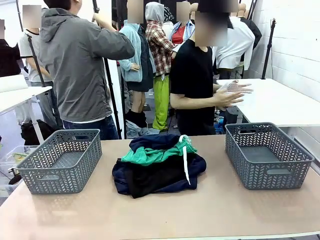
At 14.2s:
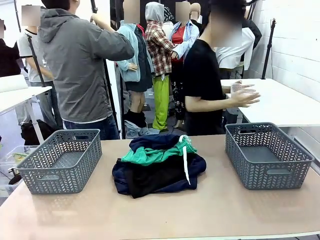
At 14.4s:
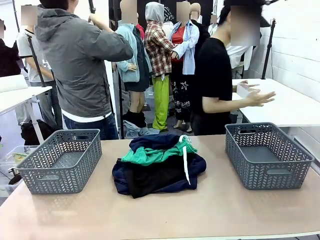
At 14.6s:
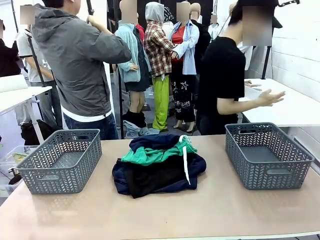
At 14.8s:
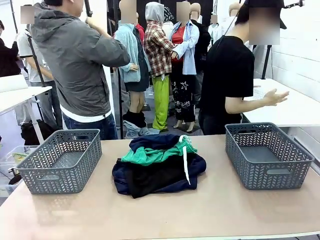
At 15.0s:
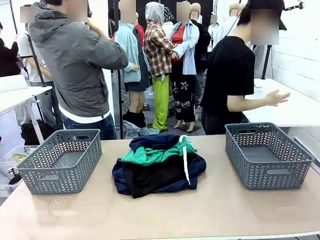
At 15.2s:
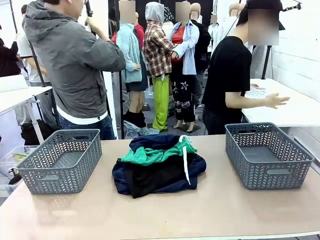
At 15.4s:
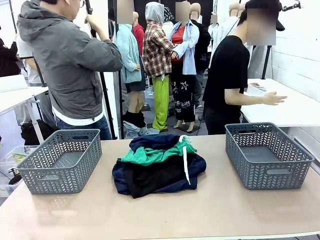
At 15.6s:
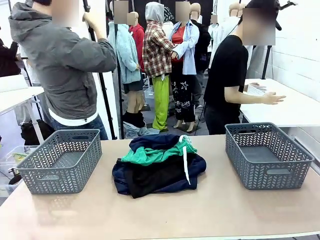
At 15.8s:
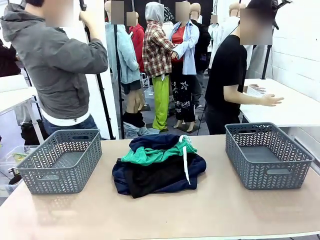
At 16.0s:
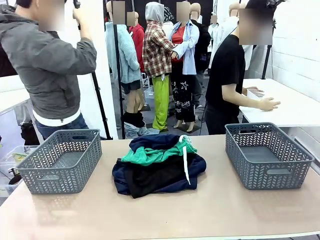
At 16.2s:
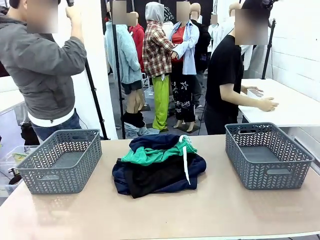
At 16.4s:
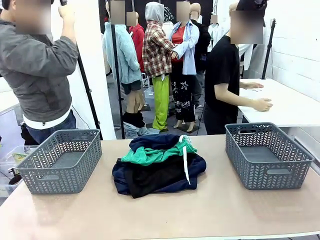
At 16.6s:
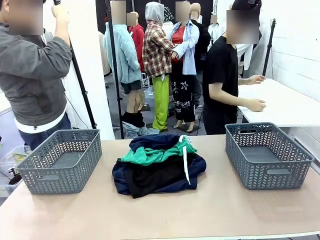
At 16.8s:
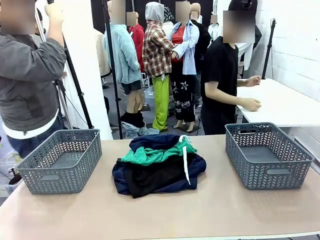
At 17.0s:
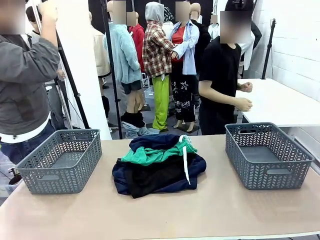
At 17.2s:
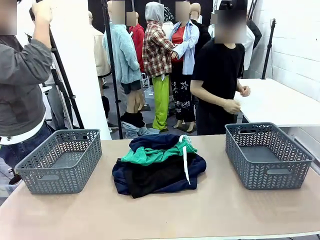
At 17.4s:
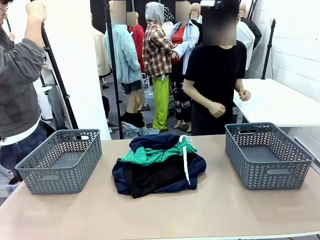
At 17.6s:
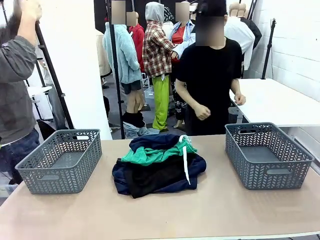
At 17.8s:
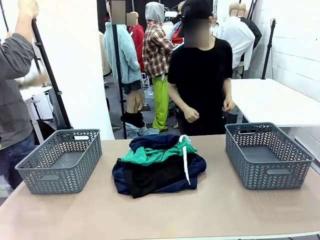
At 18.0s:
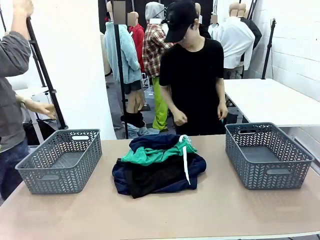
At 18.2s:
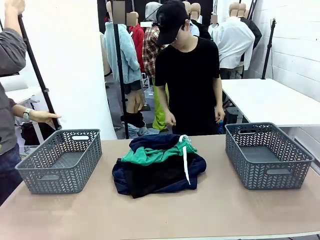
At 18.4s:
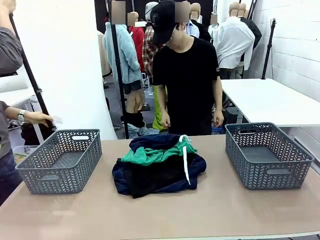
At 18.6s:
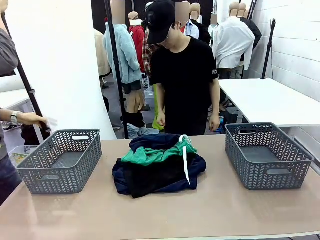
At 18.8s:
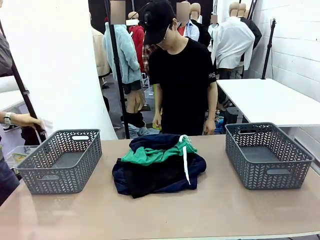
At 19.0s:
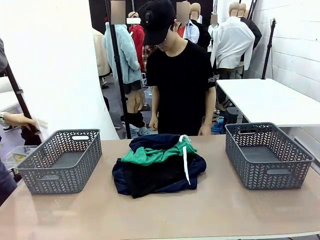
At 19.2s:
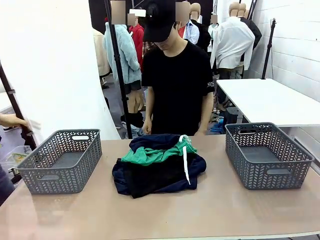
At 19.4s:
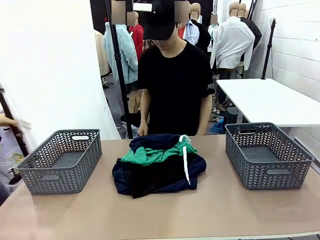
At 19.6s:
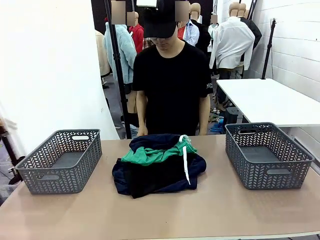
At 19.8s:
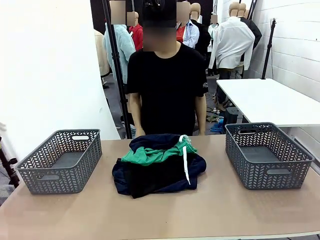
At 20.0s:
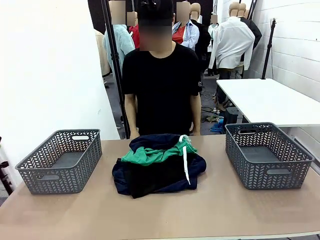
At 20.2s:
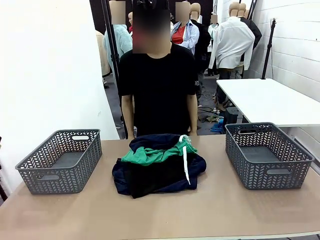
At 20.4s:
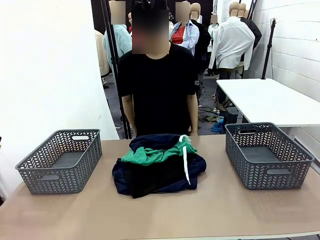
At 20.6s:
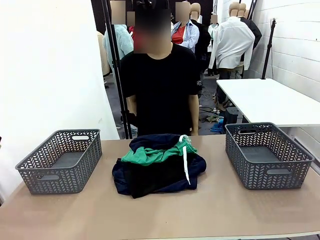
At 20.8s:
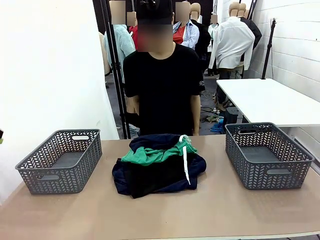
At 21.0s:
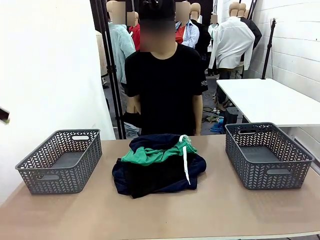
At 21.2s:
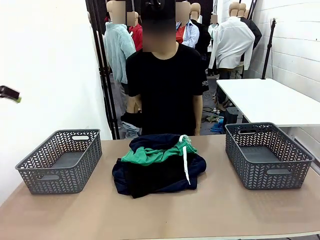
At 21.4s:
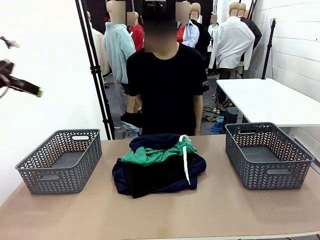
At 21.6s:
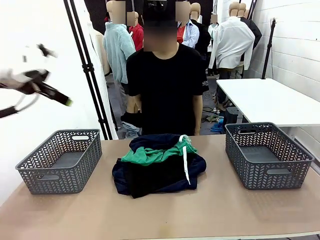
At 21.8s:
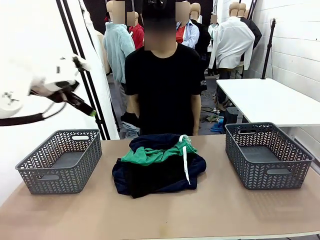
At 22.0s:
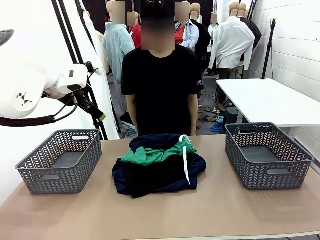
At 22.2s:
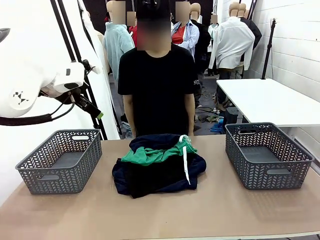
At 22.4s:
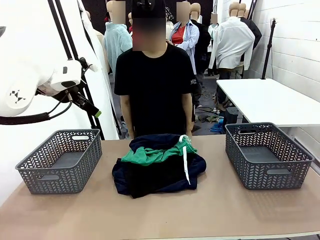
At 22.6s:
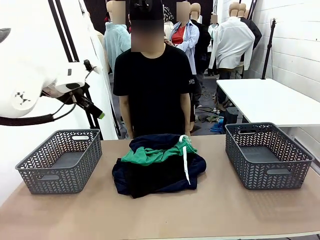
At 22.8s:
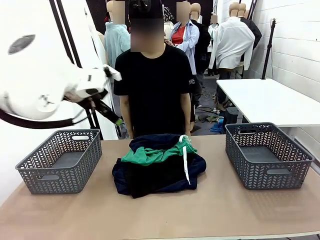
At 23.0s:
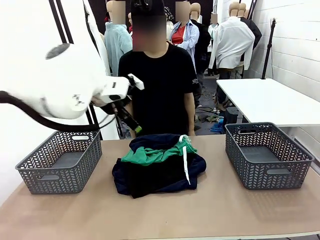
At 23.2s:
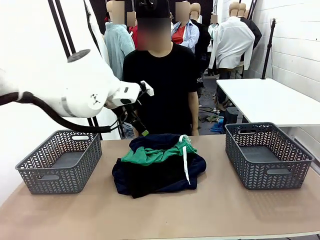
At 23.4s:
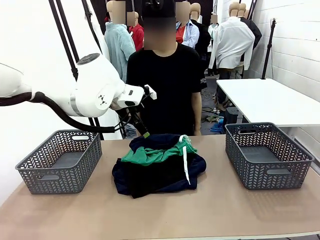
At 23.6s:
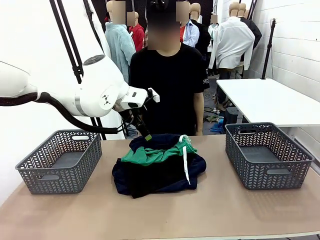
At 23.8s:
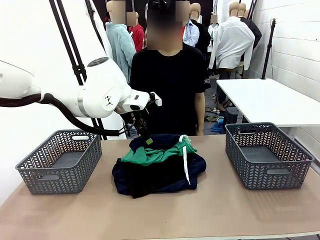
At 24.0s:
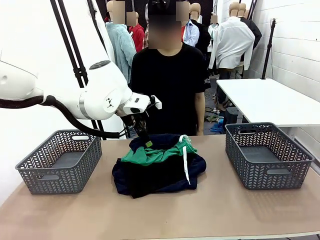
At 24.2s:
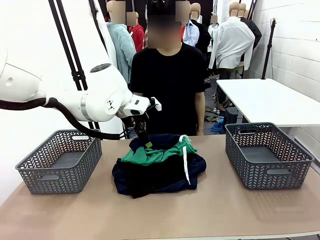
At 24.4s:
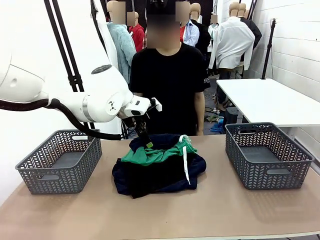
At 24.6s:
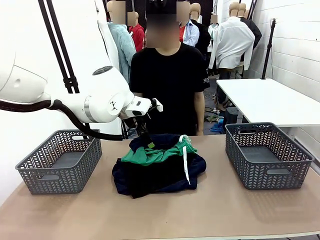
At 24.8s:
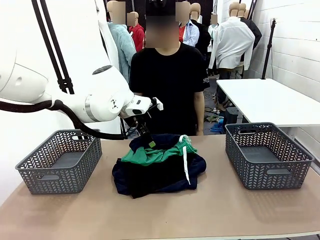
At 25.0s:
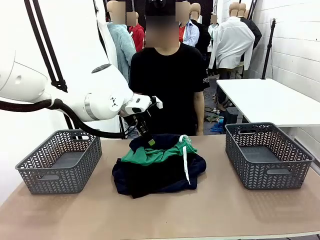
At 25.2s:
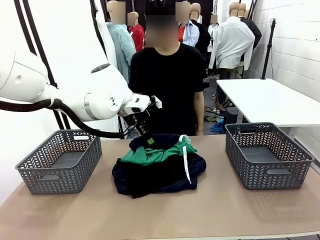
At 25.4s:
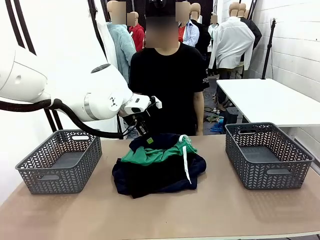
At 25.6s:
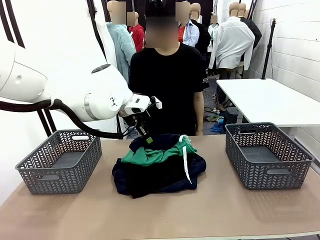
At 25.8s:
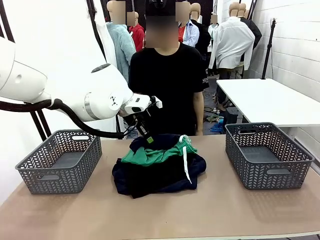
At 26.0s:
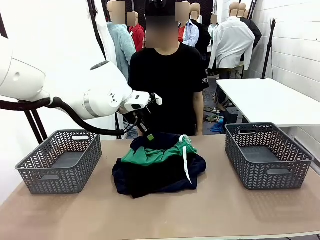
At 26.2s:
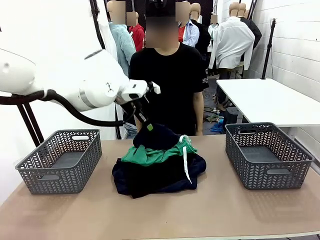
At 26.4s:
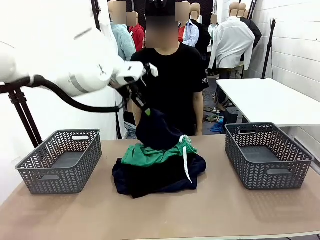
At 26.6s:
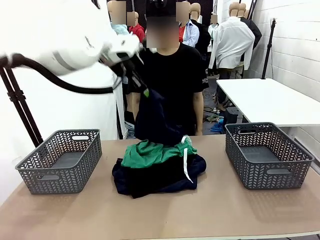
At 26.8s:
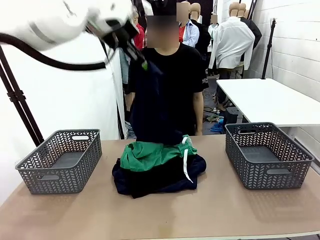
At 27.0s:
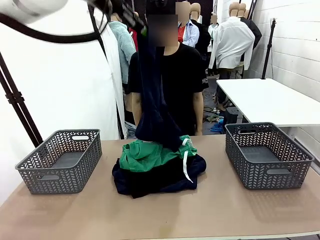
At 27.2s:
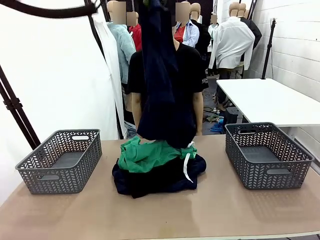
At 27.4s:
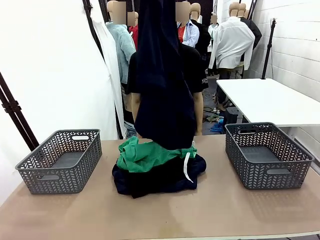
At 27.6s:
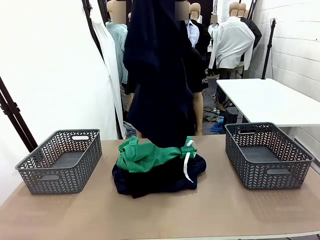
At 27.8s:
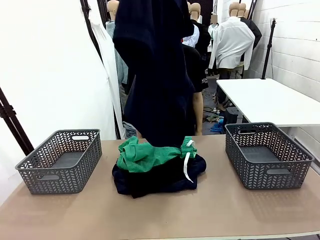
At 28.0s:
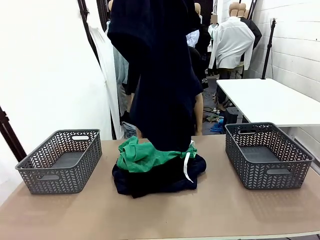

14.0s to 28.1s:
Task: Sort the tops and bottoms.
Robot: Lift clothes from the center of the table with your left hand.

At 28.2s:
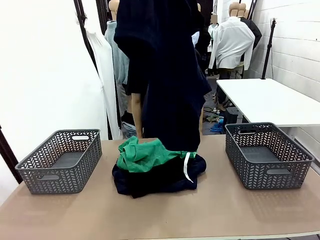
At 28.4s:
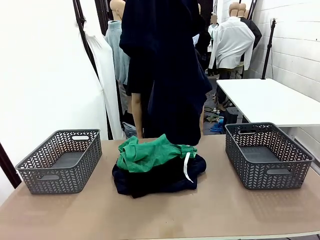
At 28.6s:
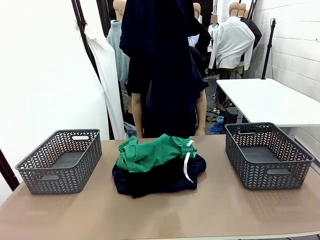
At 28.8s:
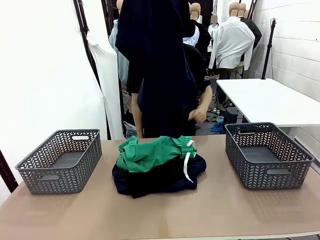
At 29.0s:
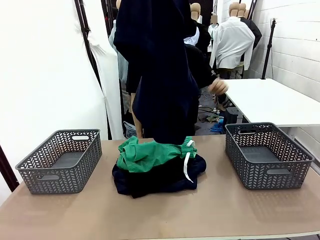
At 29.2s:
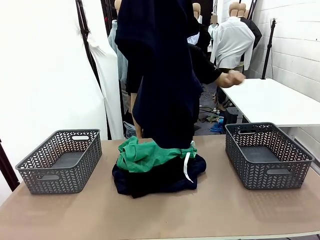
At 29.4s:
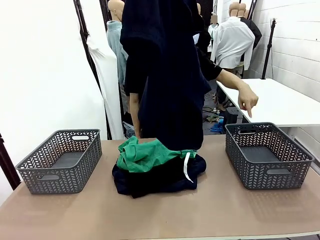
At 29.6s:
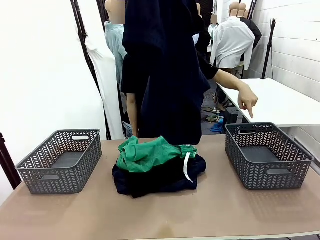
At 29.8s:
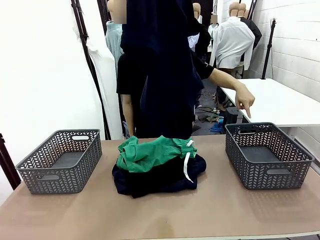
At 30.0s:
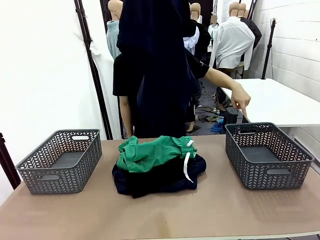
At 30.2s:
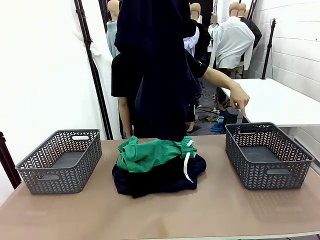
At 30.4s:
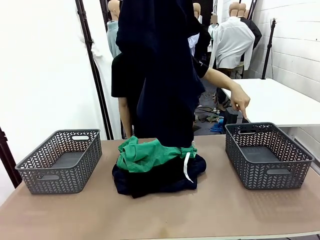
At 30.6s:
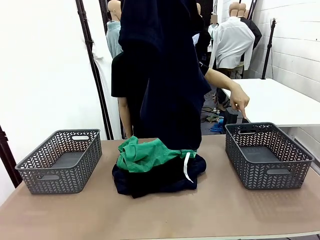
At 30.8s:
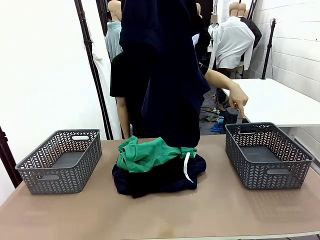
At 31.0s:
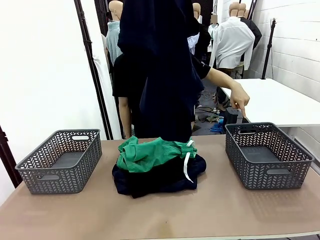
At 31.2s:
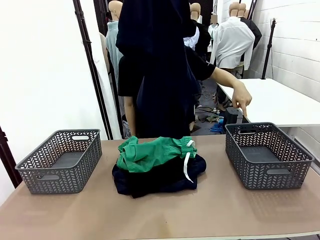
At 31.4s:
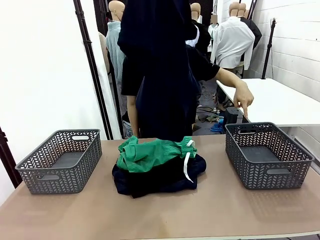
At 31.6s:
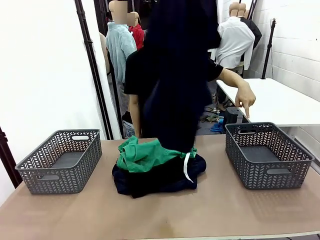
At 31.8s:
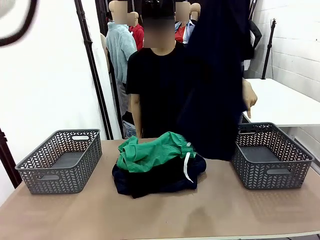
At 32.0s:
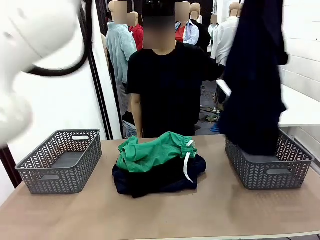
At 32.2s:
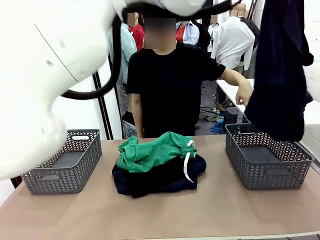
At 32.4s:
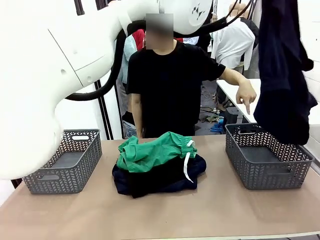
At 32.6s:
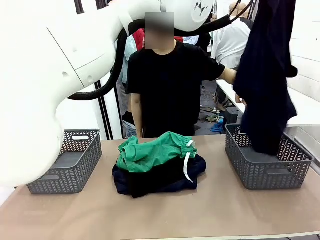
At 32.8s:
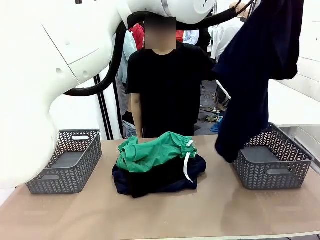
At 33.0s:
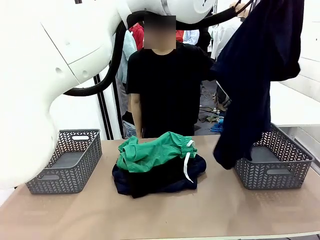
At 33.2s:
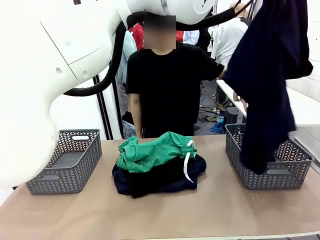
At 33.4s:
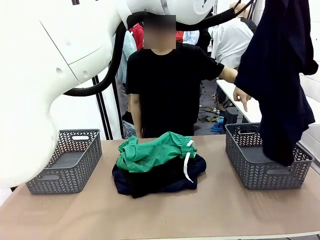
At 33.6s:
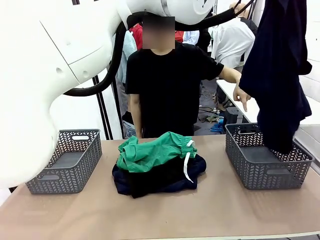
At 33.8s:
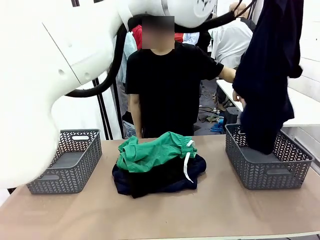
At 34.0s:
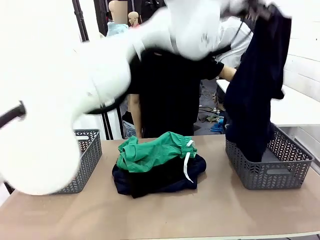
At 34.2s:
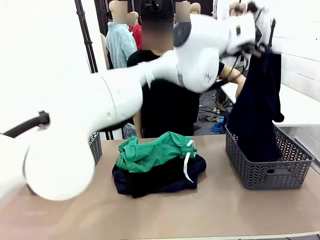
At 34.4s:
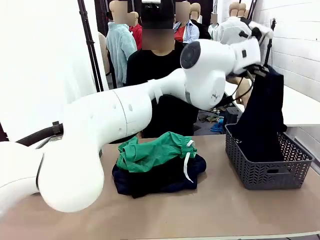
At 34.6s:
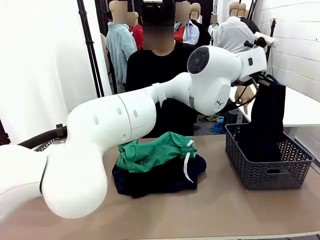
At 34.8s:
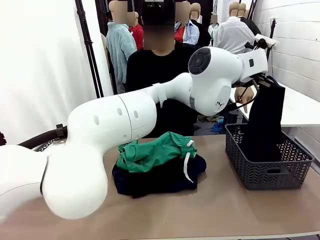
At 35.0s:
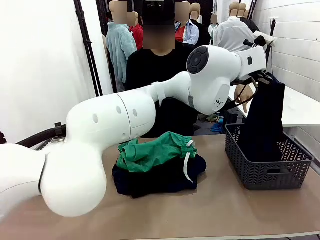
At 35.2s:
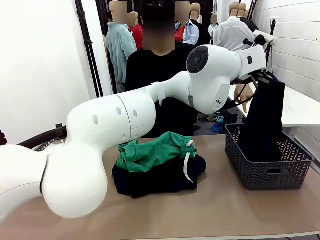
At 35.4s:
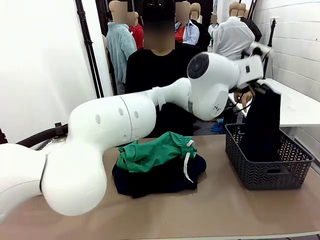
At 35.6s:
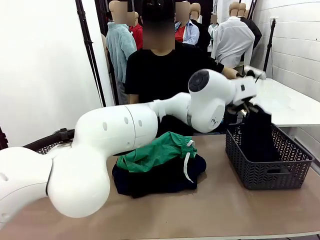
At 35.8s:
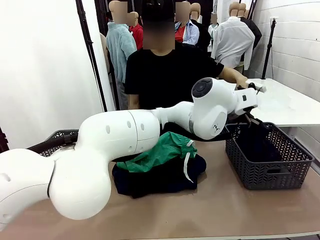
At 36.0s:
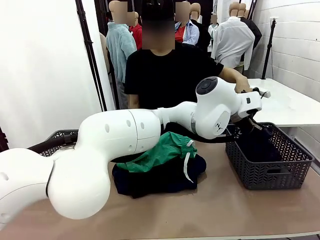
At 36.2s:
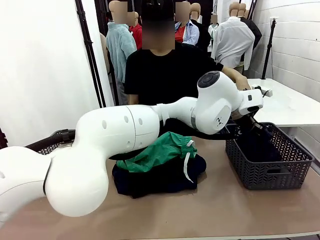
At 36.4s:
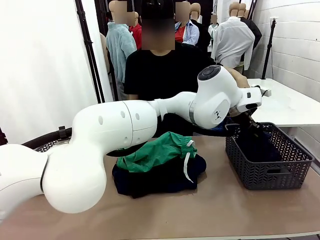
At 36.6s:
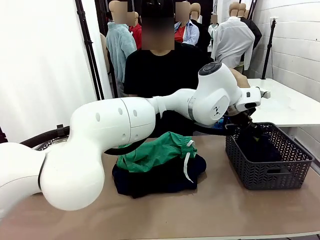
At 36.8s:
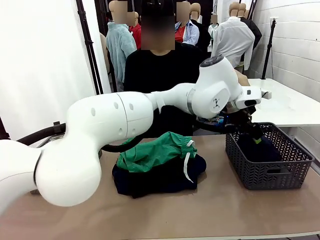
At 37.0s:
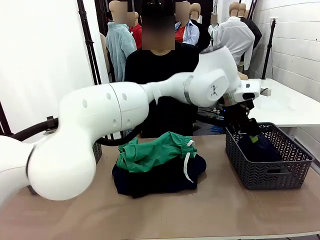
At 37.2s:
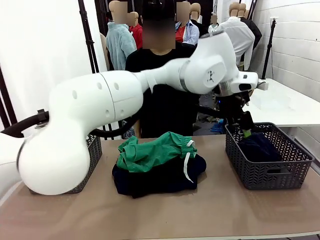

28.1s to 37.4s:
Robot: Sort the clothes according to human instructions.
